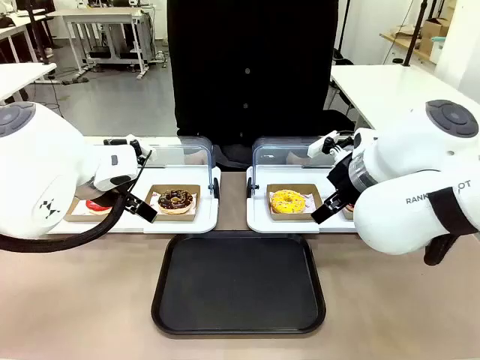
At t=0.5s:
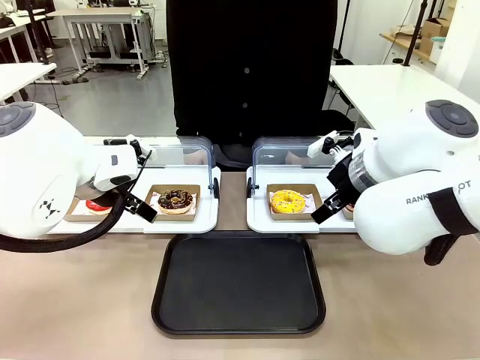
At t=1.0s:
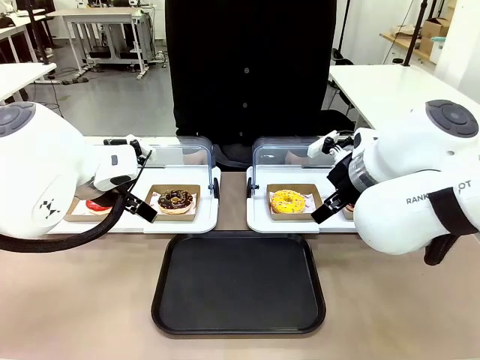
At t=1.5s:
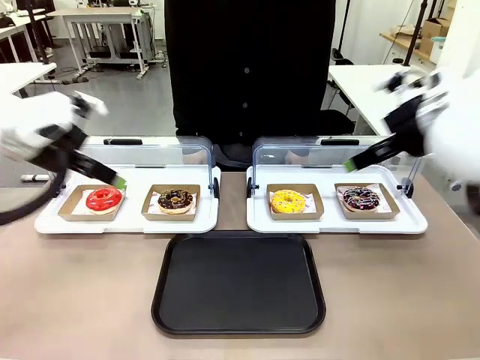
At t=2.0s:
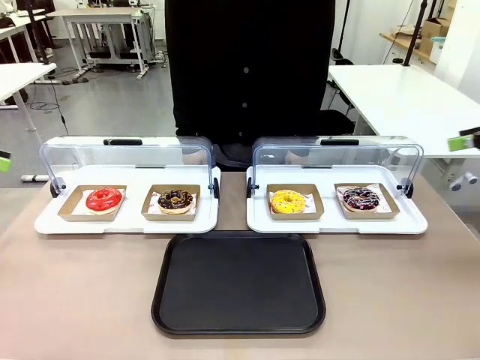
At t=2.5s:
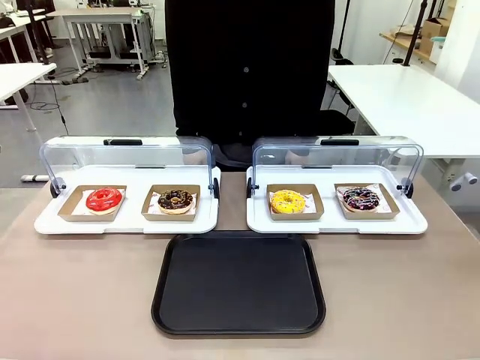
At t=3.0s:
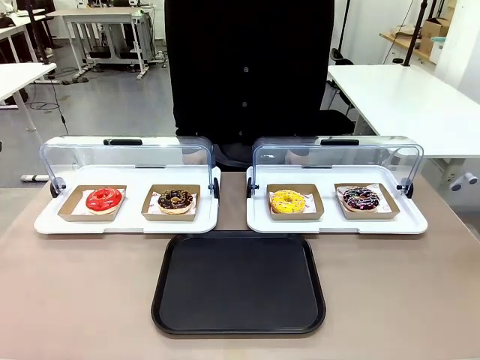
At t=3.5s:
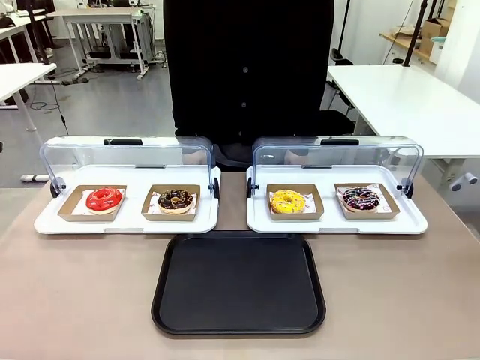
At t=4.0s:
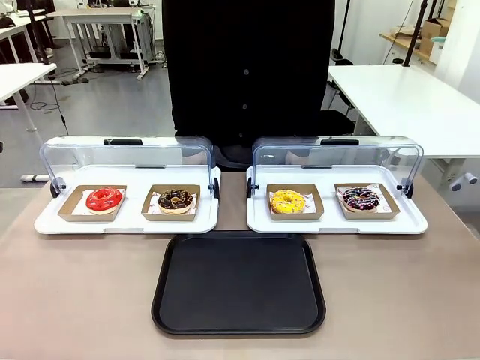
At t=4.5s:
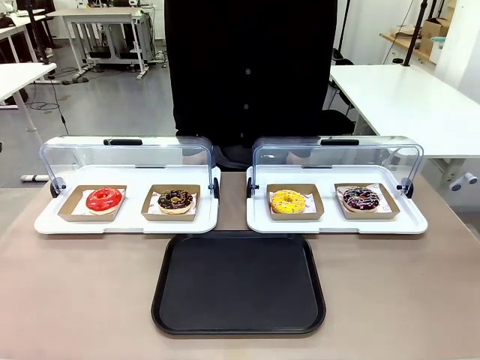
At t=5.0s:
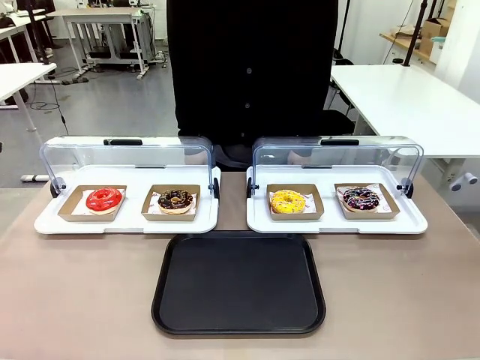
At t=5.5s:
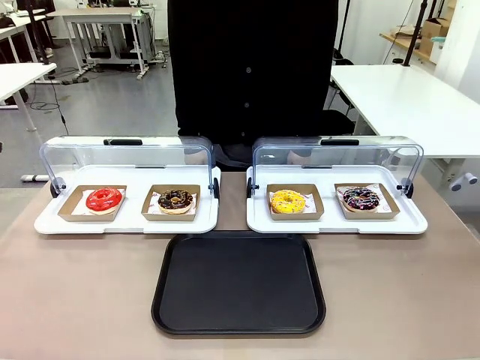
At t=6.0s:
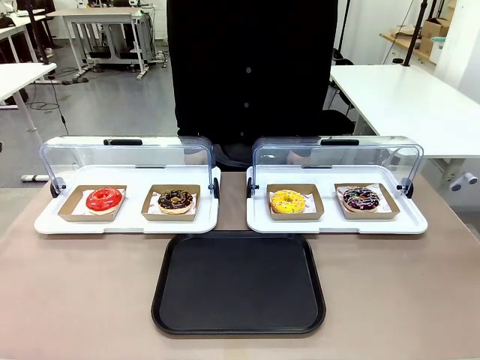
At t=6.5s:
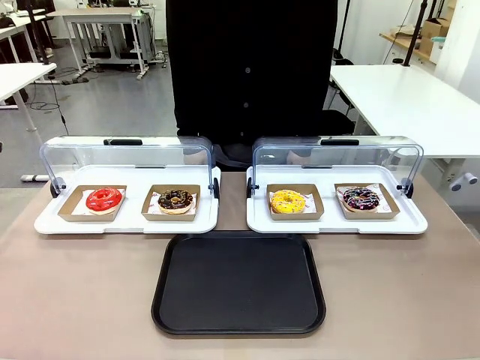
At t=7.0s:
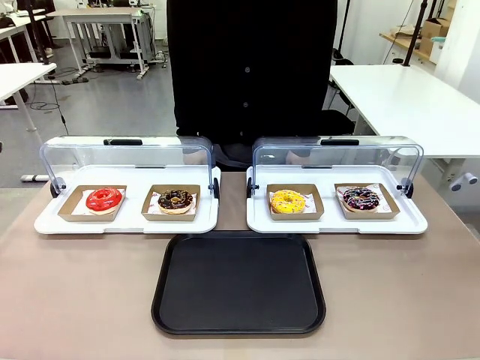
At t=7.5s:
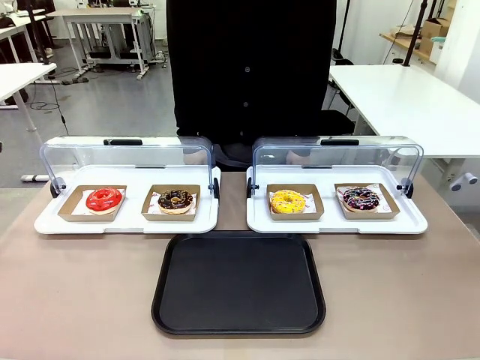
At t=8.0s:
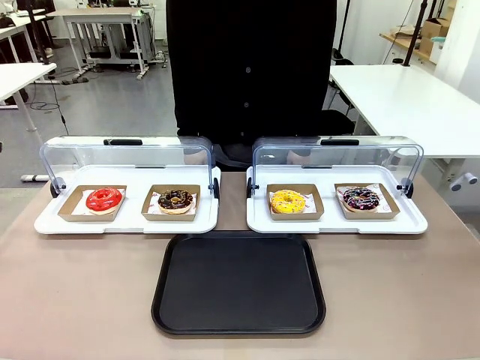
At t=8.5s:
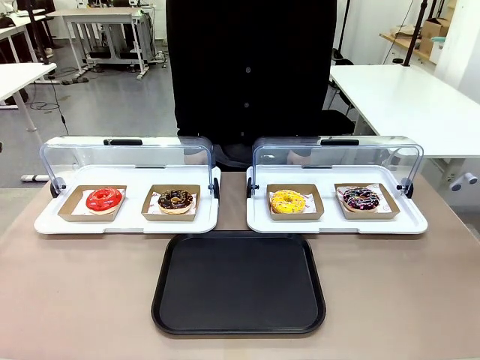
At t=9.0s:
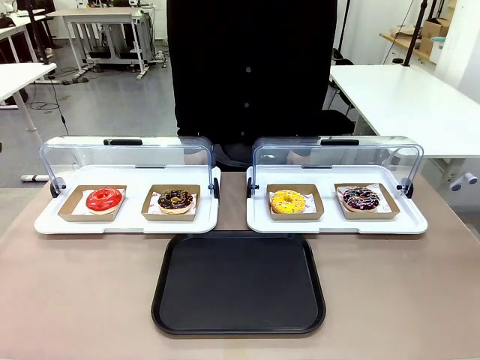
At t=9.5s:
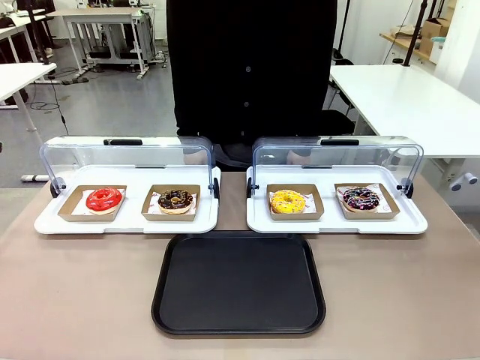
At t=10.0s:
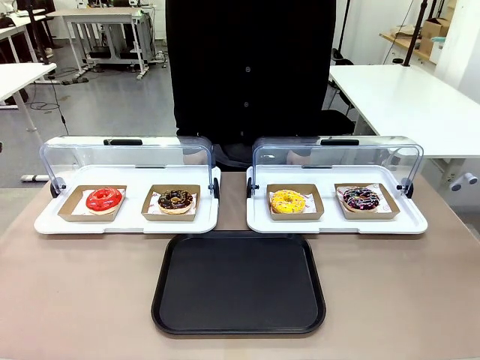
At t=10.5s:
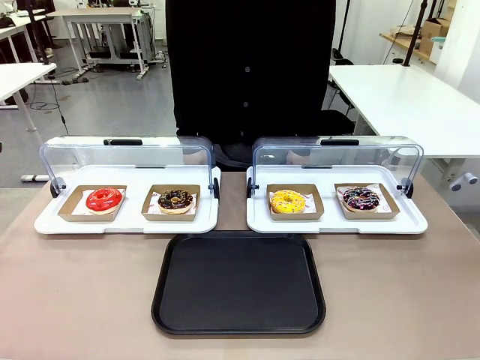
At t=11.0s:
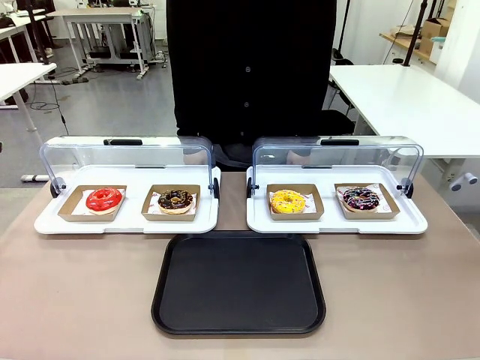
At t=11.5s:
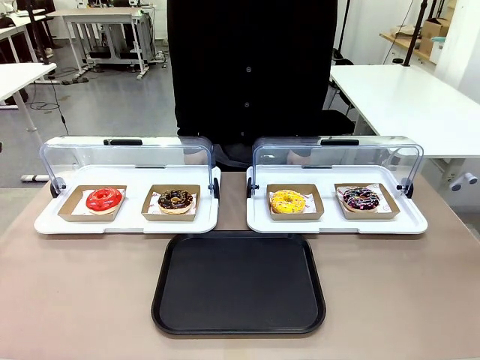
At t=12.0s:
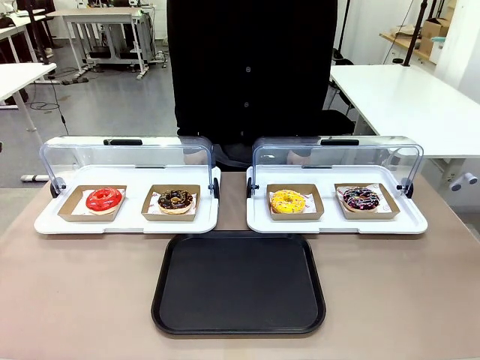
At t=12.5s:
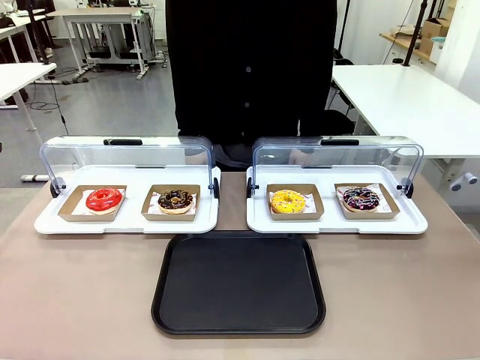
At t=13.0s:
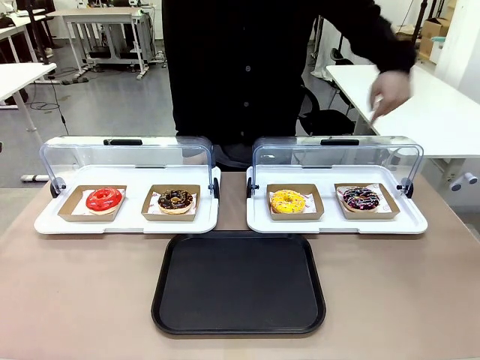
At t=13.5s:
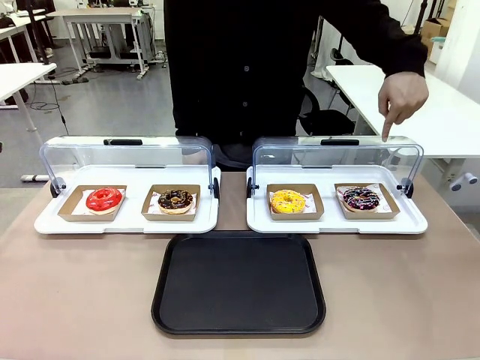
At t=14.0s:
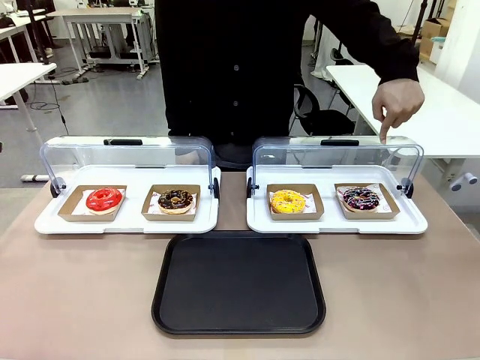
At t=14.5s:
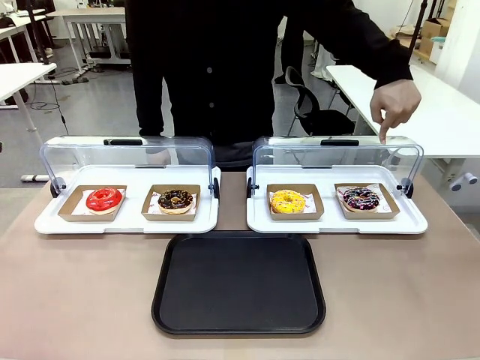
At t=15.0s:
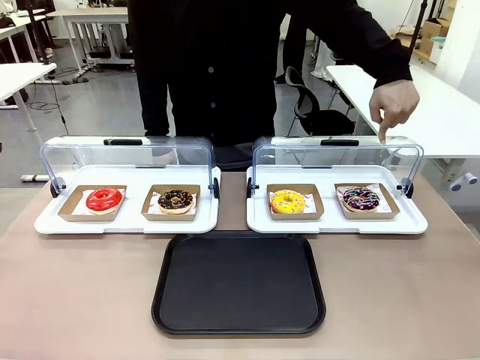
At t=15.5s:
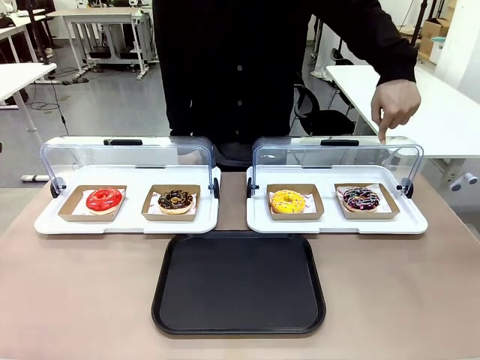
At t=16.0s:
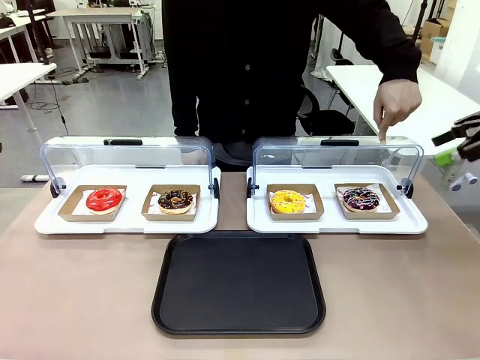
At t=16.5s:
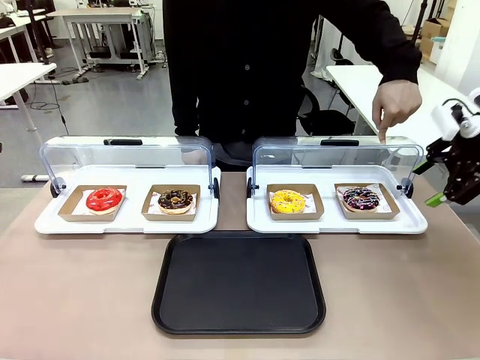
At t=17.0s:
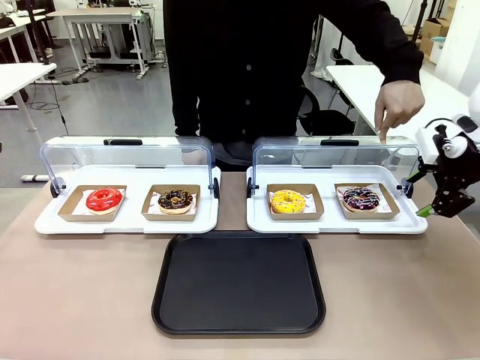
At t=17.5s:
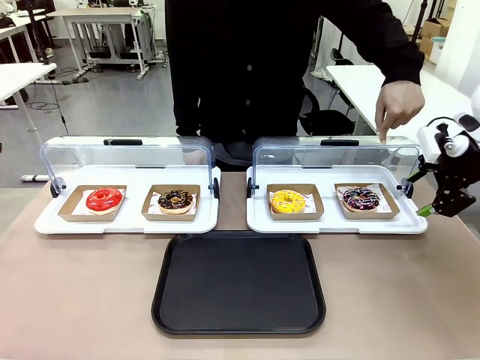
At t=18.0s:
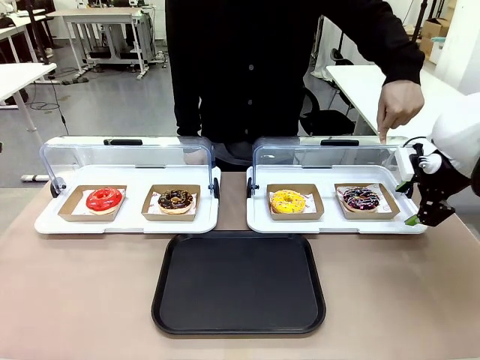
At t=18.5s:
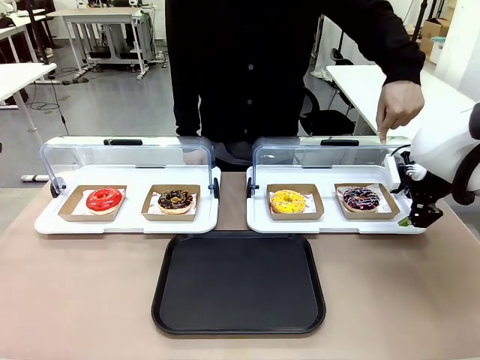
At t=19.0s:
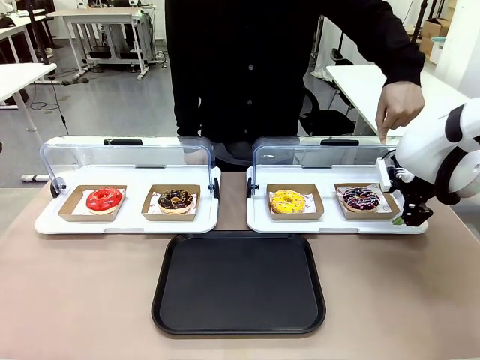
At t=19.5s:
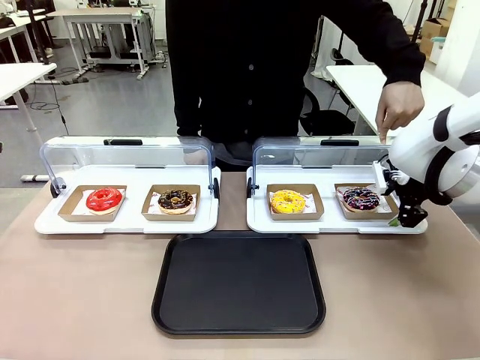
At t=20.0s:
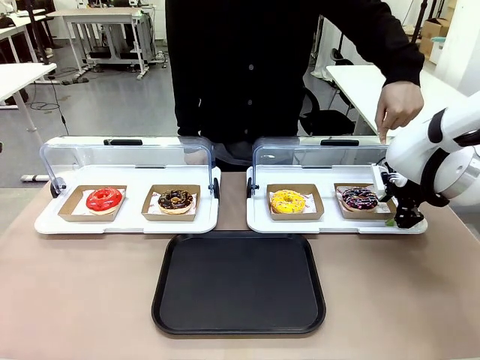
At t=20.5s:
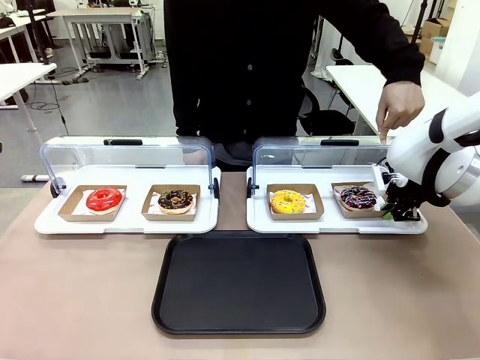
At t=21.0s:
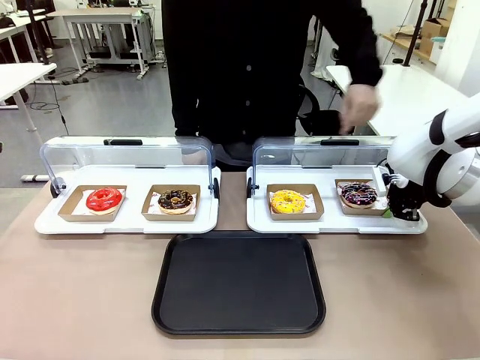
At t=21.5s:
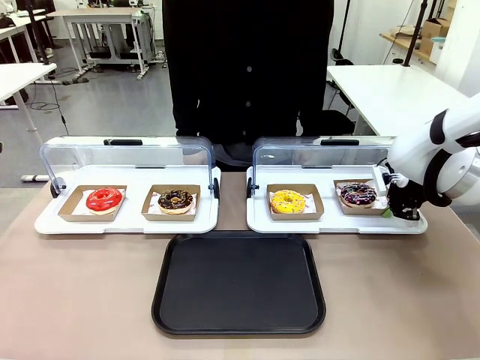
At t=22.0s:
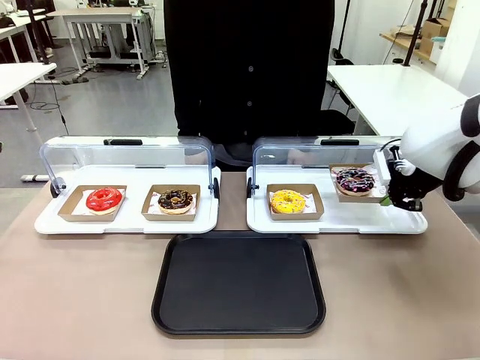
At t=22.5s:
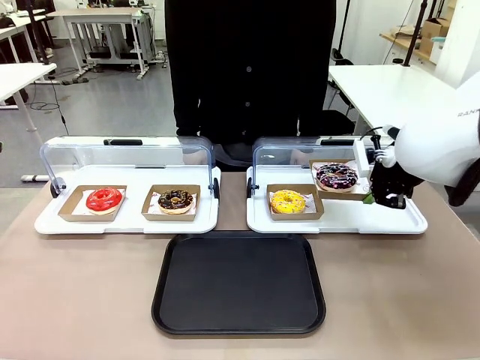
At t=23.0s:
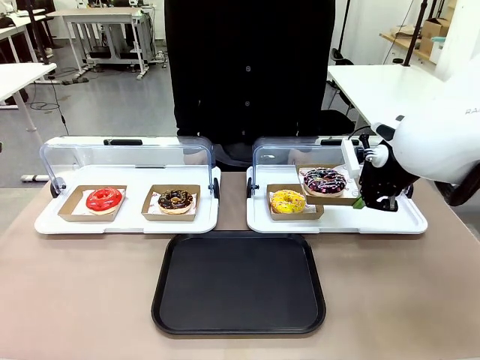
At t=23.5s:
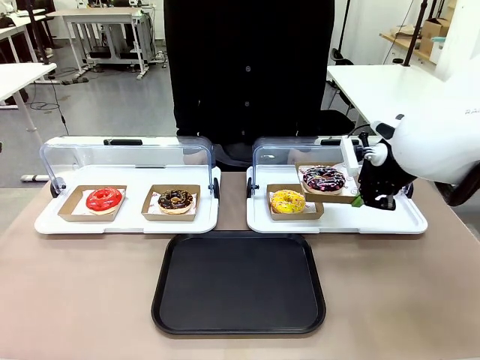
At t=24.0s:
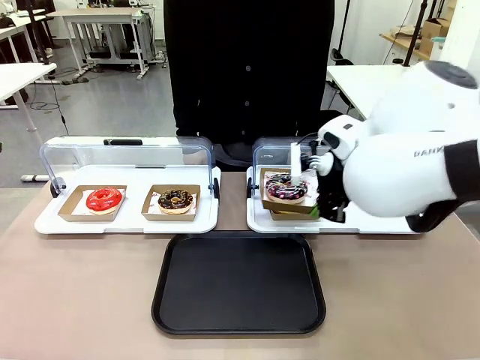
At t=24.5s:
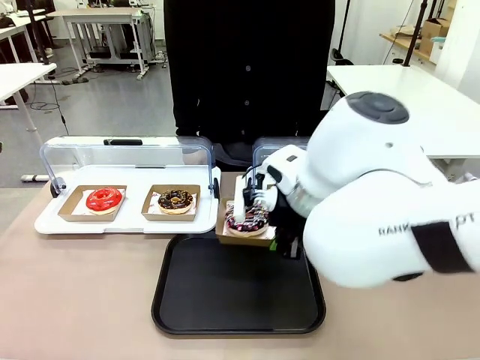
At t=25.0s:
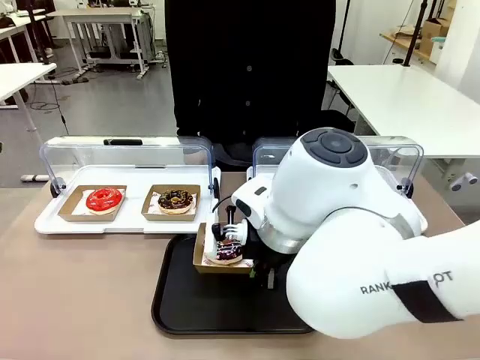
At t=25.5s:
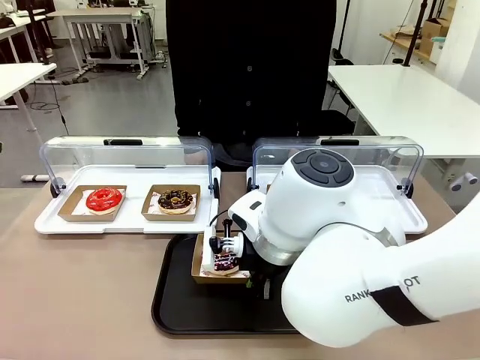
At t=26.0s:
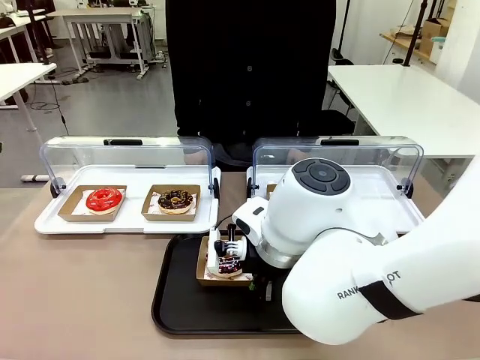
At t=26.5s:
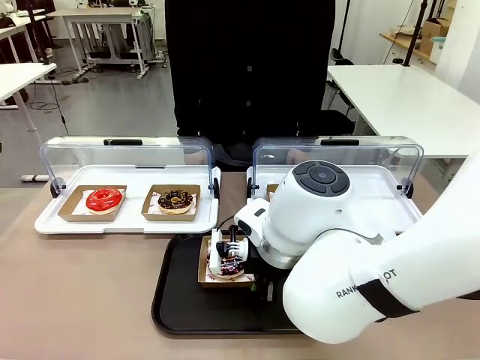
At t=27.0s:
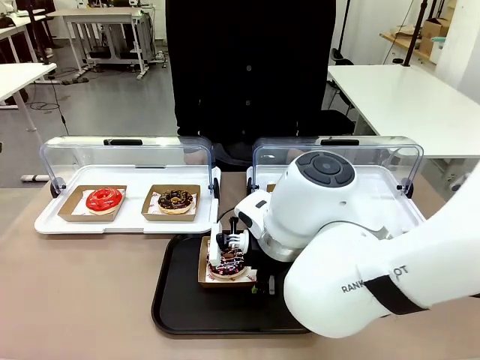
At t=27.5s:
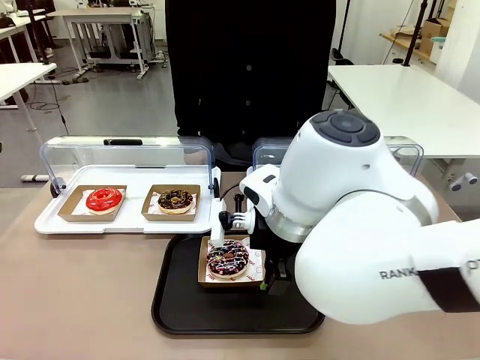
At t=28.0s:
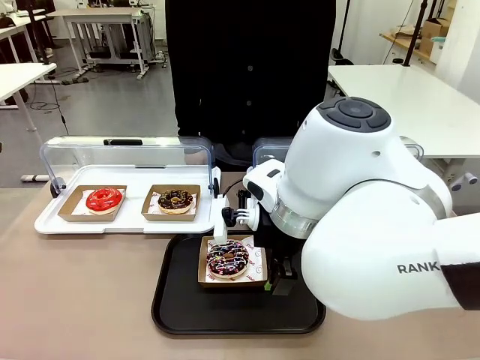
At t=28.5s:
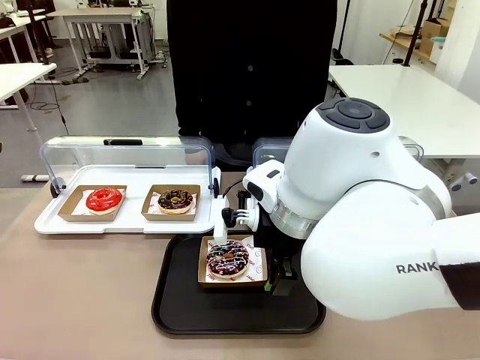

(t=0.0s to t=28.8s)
Task: Move the fourth donut from the left to the tray.
Robot: Pick up the Paper togo box containing the Donut indicated by the person and place it on the Handle tray.
Person: Points to the fourth donut from the left from the robot’s perspective.
